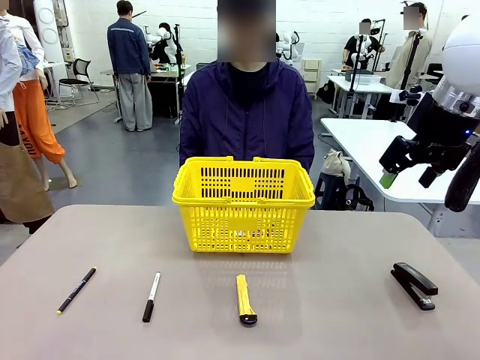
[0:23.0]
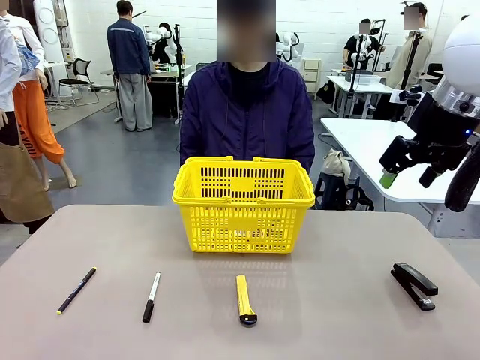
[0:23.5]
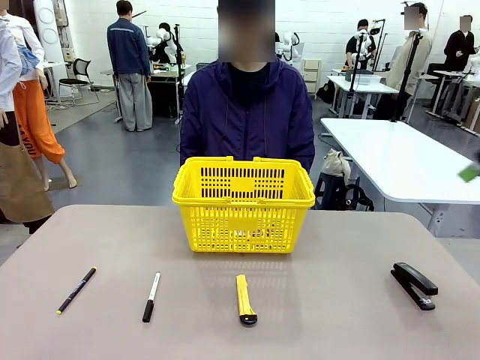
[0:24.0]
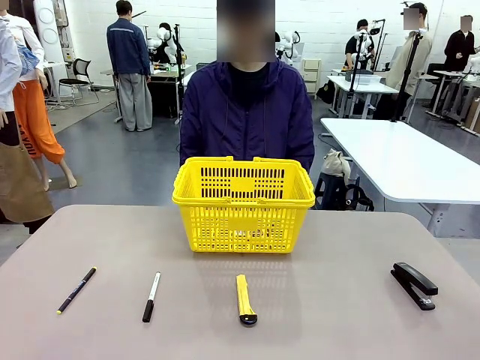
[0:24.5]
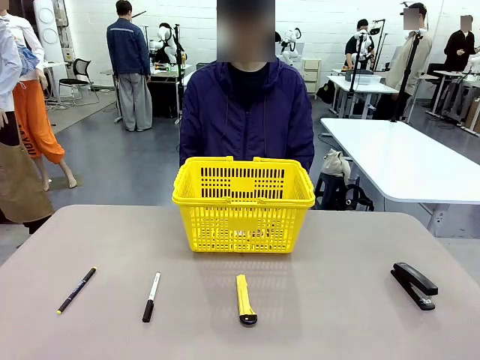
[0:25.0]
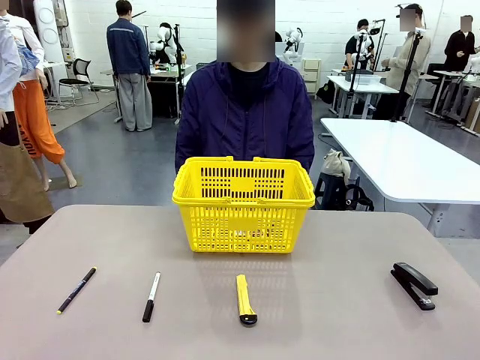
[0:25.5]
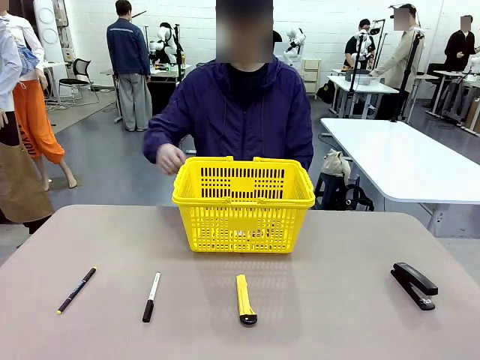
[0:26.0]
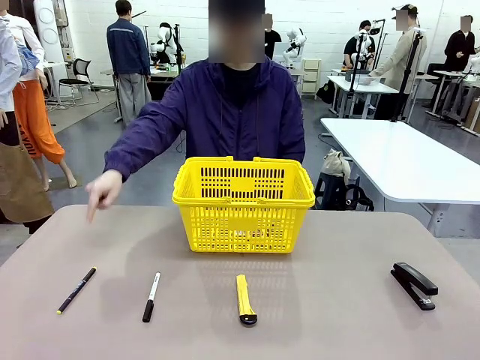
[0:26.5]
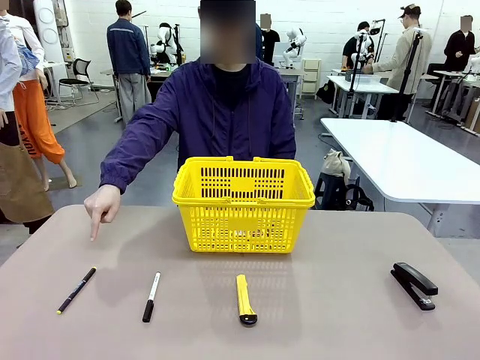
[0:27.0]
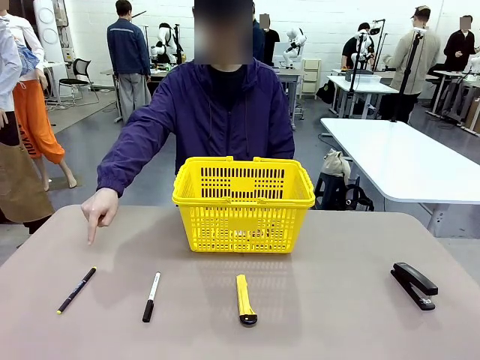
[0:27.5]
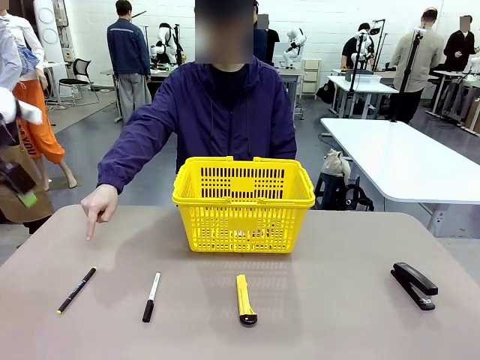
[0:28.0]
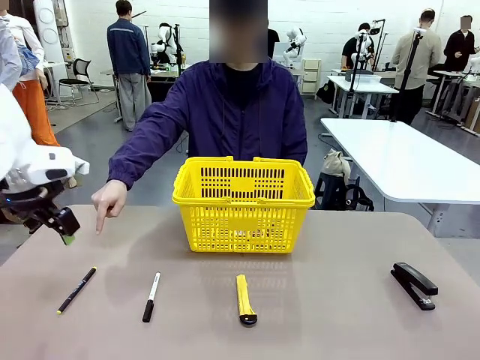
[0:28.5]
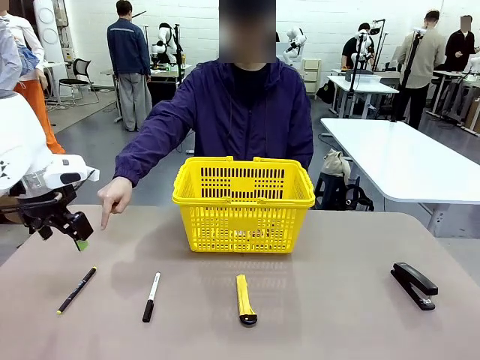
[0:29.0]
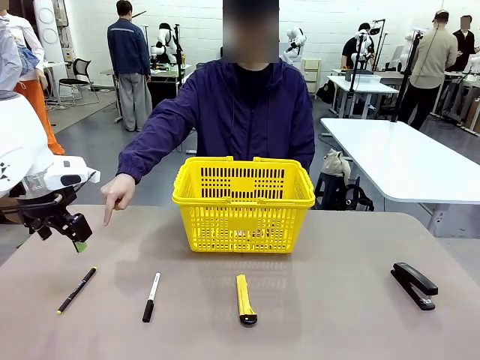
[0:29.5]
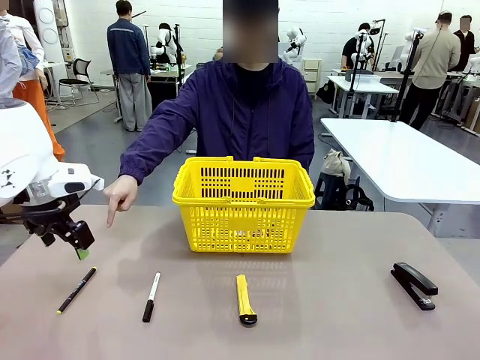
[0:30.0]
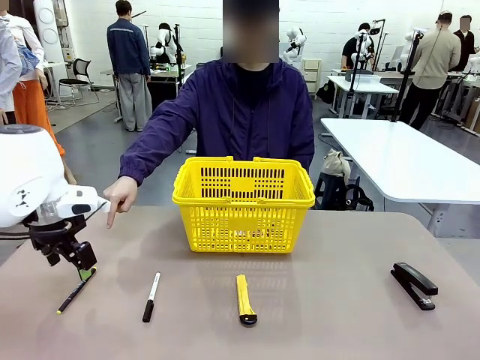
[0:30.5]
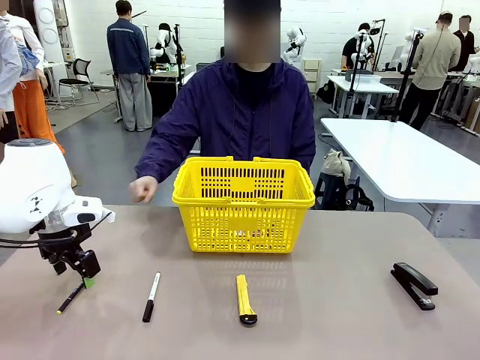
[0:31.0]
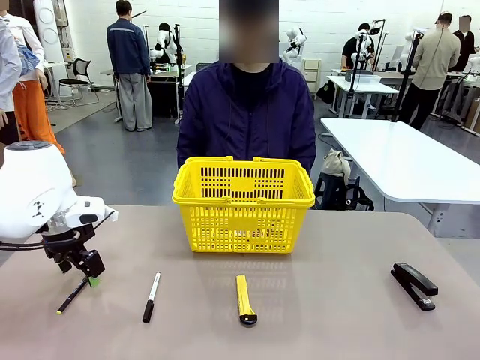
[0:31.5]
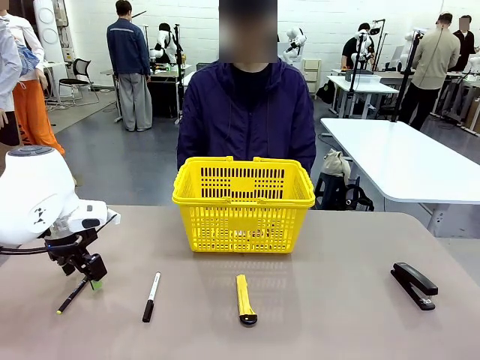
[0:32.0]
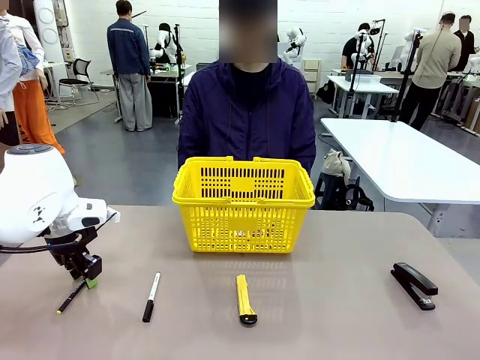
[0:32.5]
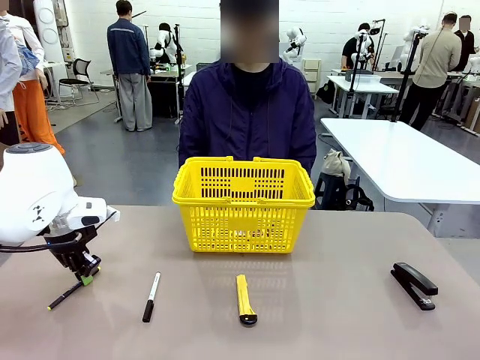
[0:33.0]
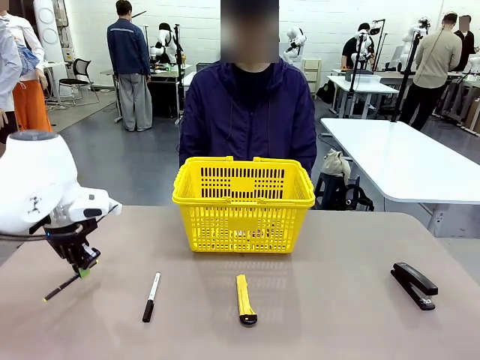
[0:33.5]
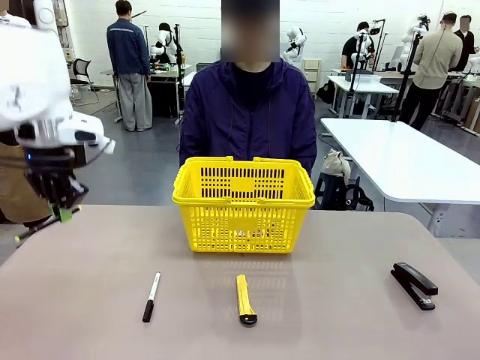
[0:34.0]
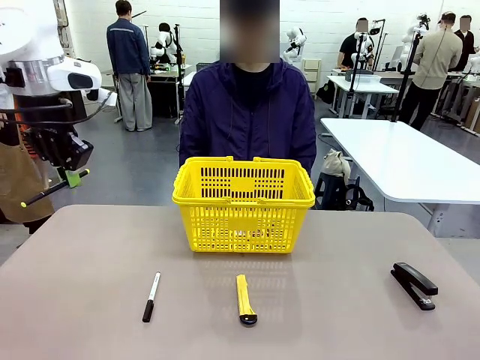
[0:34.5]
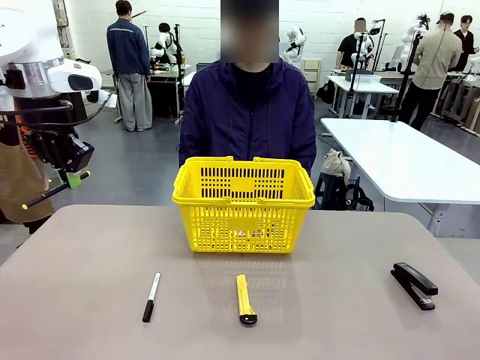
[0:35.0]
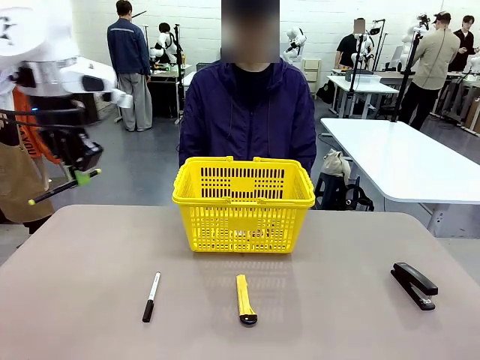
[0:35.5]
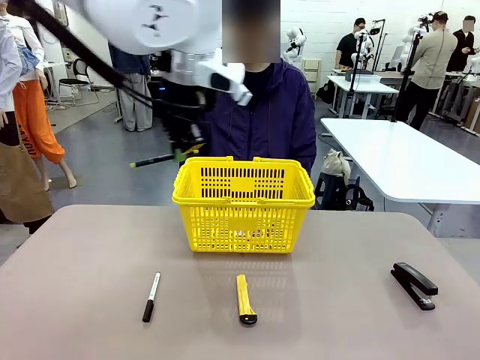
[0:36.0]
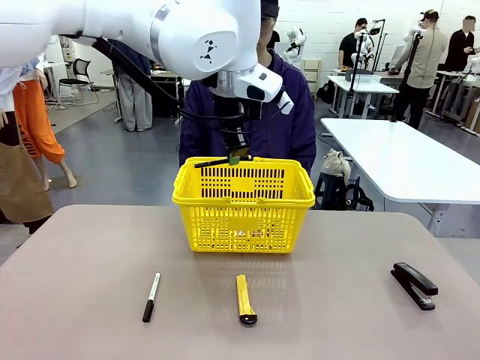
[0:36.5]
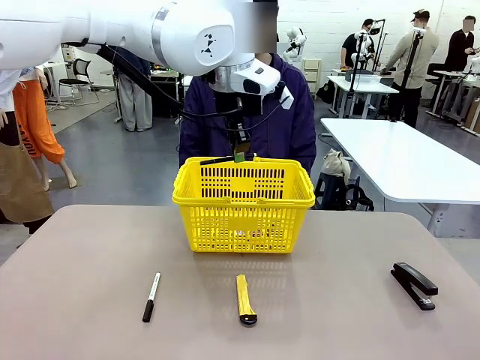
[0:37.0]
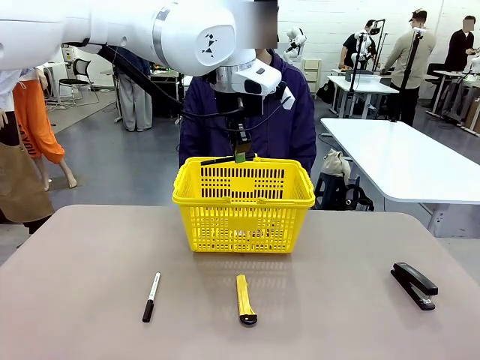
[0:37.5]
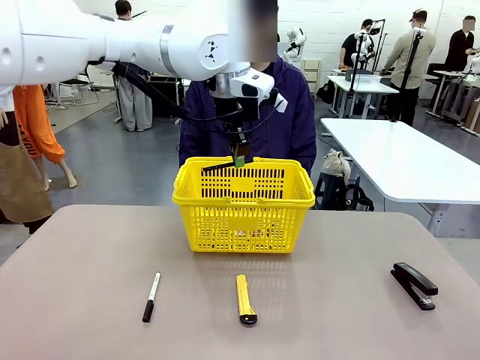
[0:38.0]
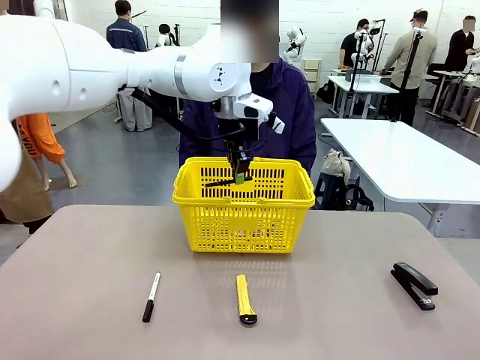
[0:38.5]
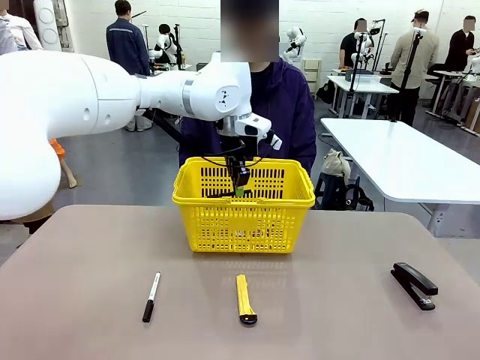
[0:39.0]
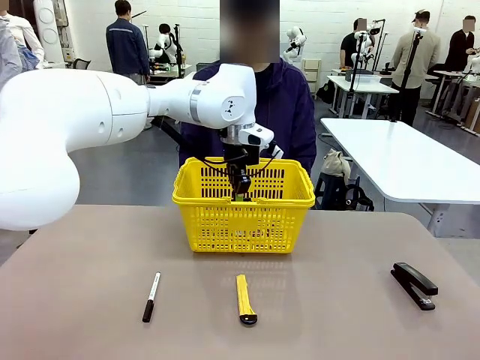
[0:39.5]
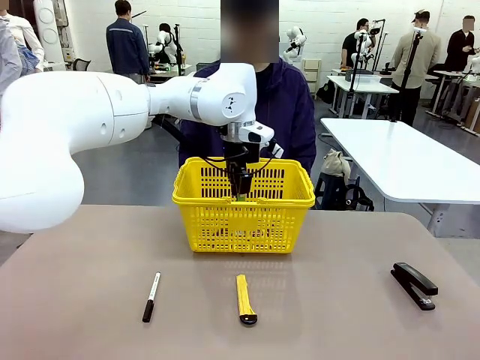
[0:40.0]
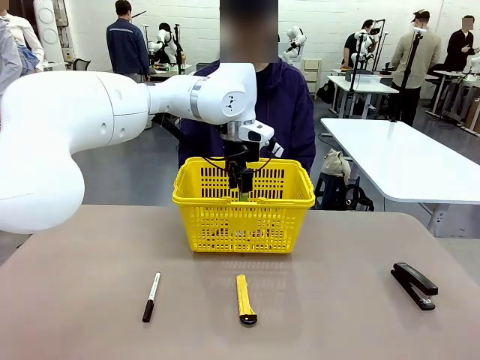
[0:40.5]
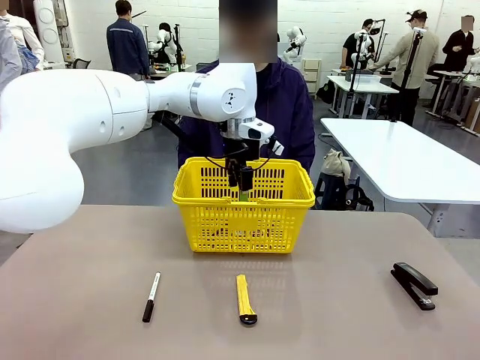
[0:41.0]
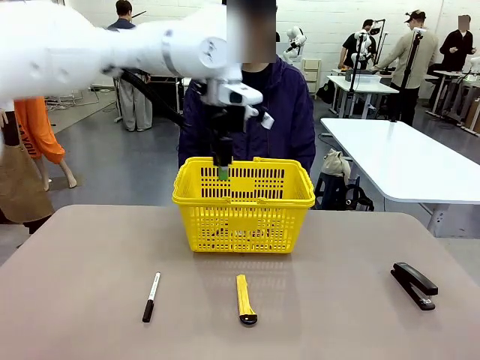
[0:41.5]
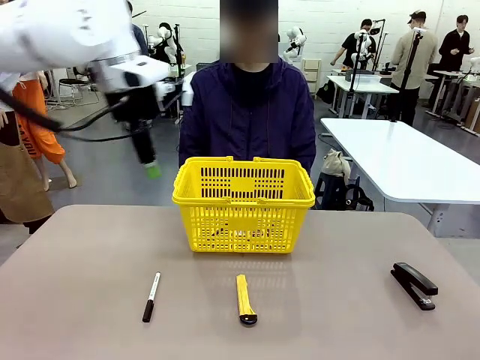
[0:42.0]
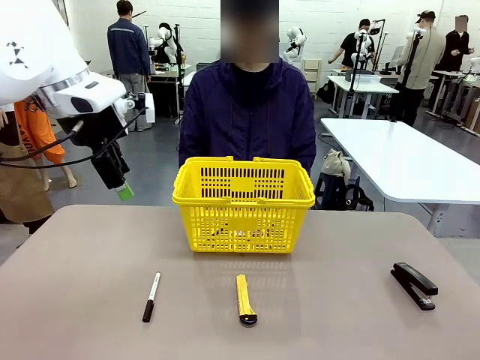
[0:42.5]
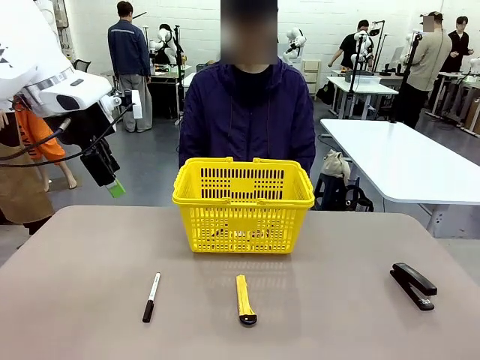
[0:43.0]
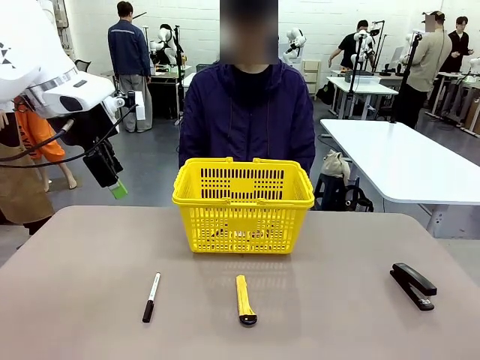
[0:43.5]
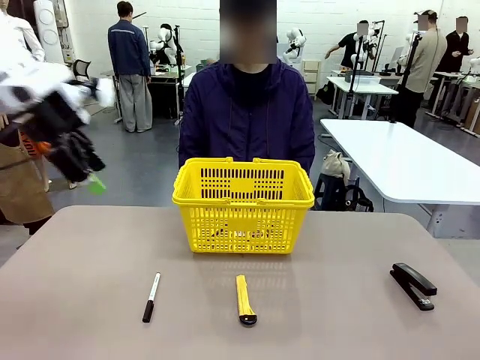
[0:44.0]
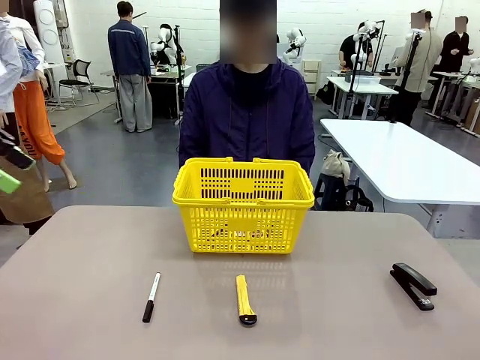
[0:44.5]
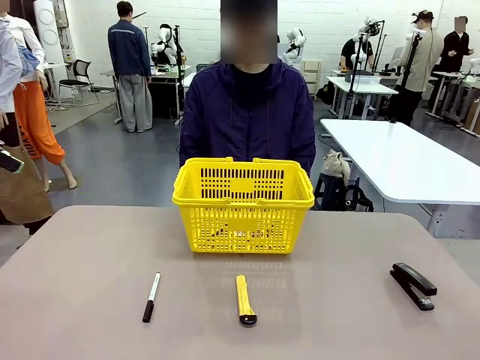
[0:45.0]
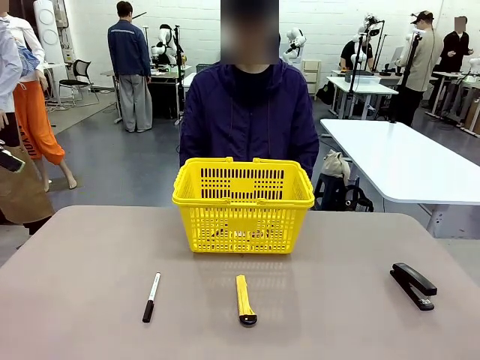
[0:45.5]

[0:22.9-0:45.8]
Task: Place the items the person wants into the basket.
Robot: Pick up the item the person points to and place it in the Market Basket.

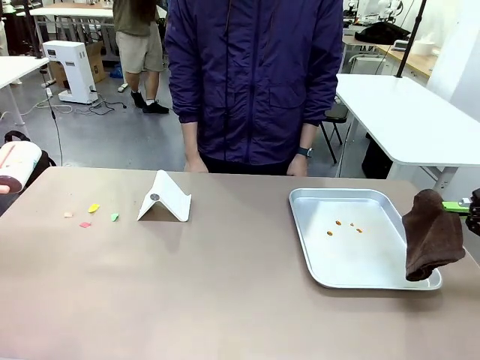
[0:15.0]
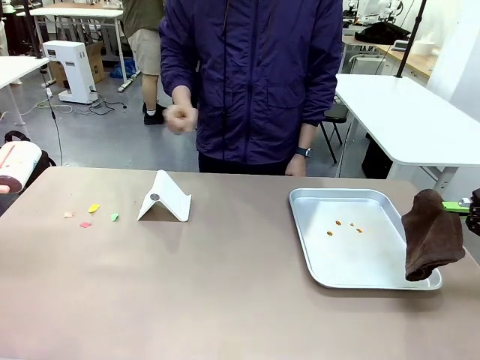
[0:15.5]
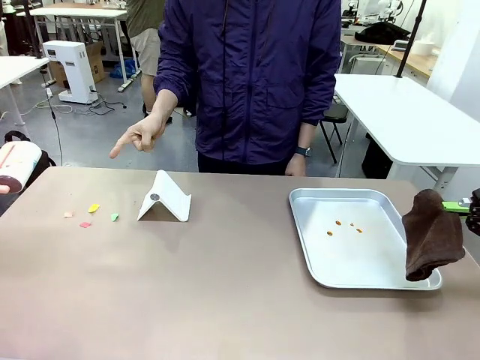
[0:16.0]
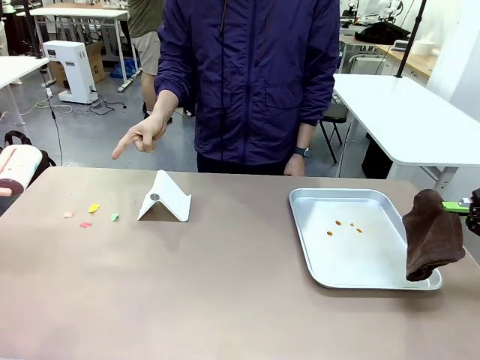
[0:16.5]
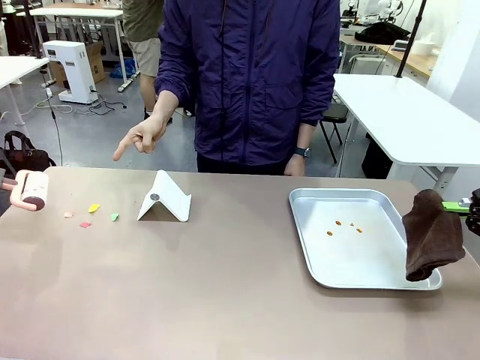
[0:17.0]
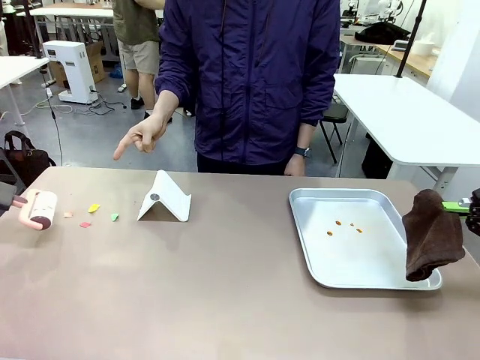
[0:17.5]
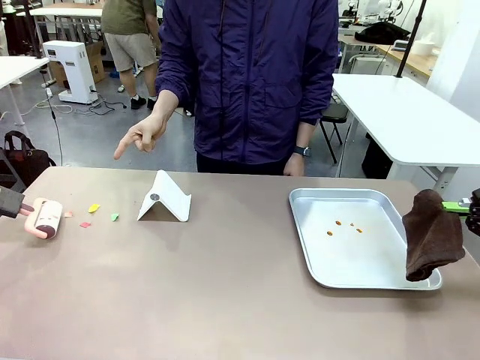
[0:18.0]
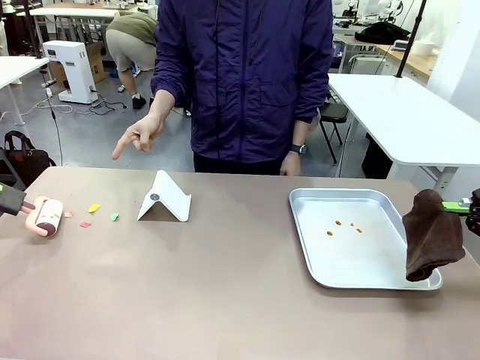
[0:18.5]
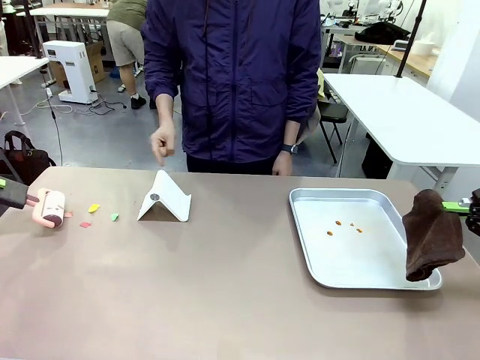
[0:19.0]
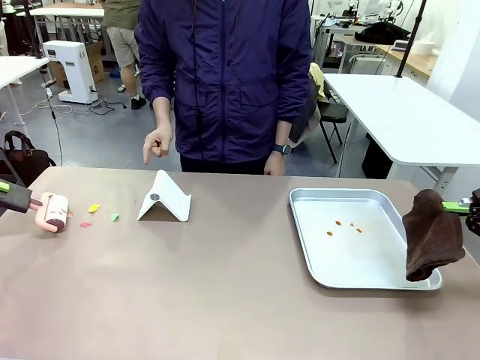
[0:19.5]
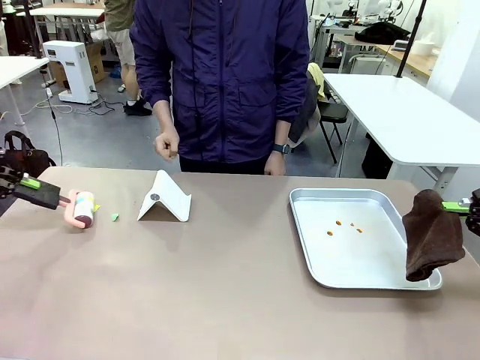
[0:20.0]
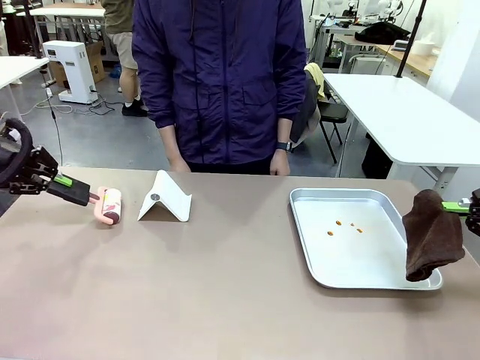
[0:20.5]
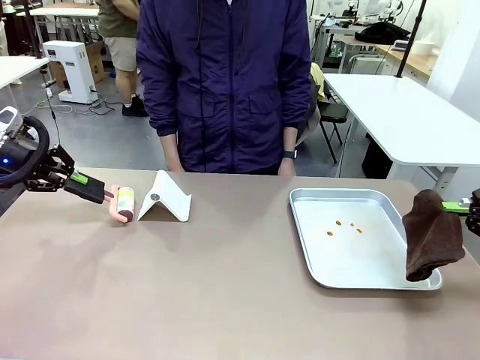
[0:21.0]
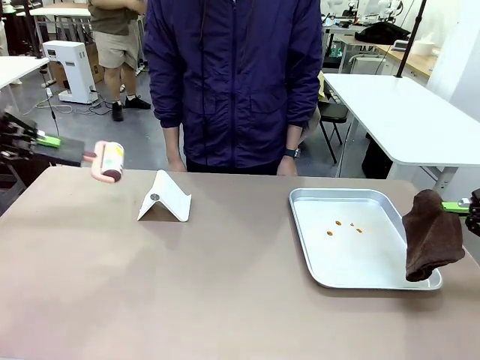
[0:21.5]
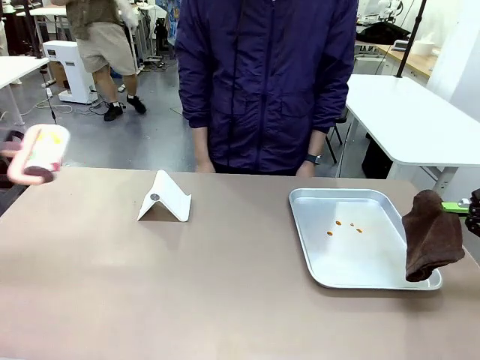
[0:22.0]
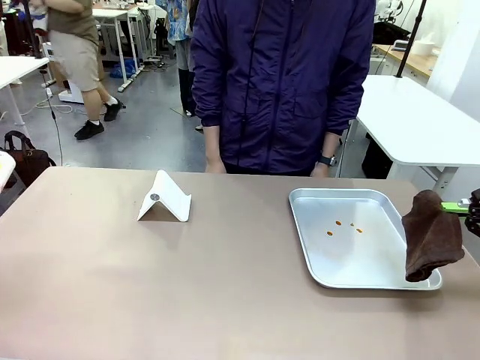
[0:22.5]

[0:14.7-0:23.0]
Task: Clean the surface of the table.
Robot: If a person points to the right, clean the right side of the table with your right hand, and if they point to the left, clean the left side with your left hand.
